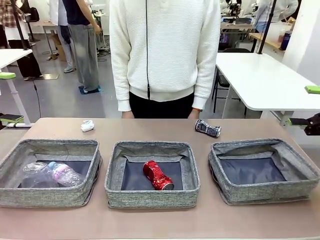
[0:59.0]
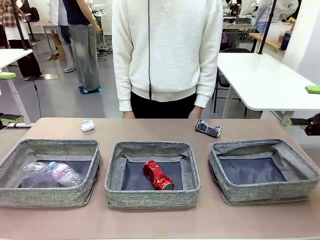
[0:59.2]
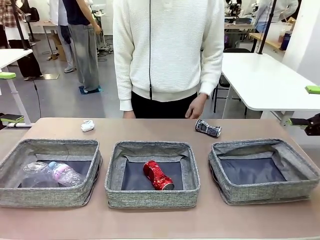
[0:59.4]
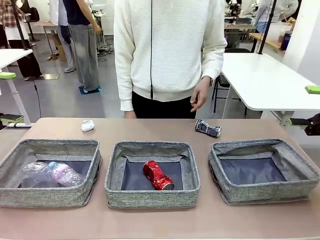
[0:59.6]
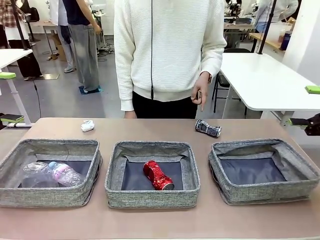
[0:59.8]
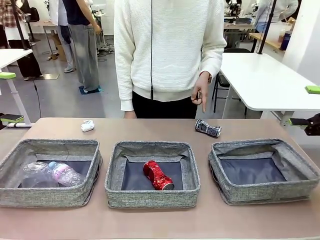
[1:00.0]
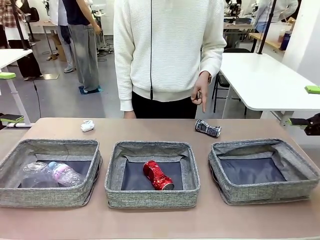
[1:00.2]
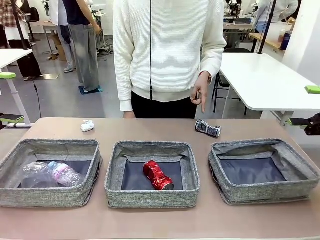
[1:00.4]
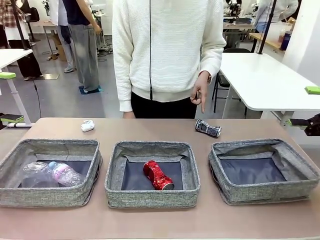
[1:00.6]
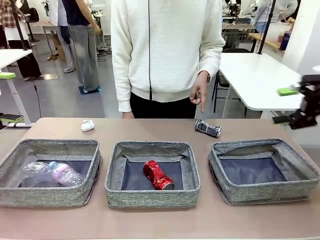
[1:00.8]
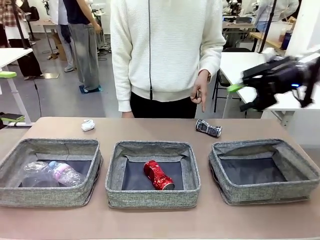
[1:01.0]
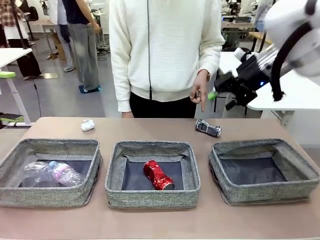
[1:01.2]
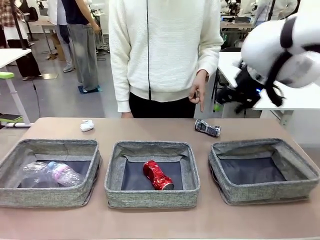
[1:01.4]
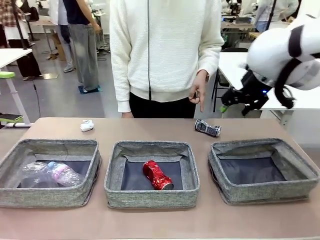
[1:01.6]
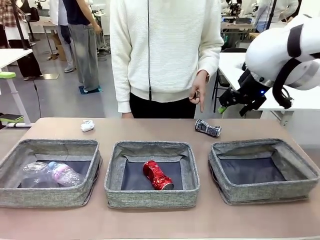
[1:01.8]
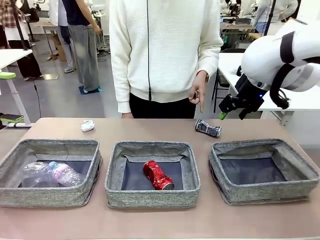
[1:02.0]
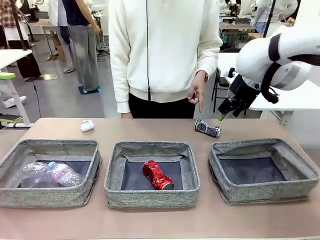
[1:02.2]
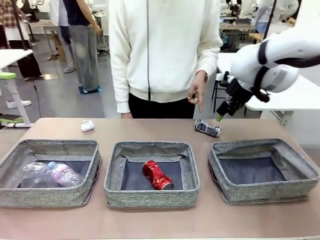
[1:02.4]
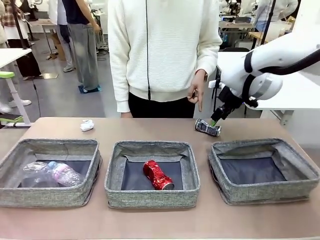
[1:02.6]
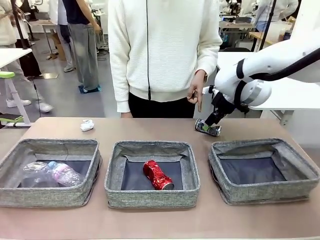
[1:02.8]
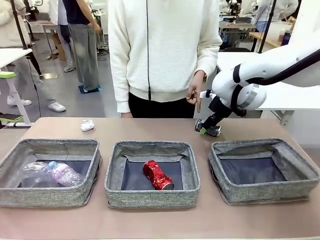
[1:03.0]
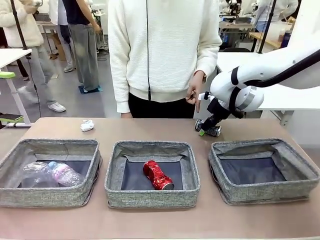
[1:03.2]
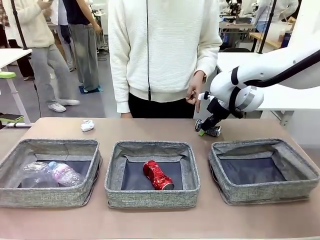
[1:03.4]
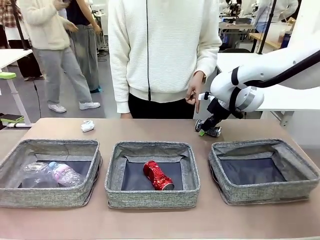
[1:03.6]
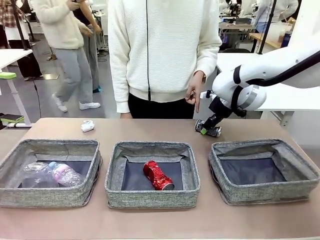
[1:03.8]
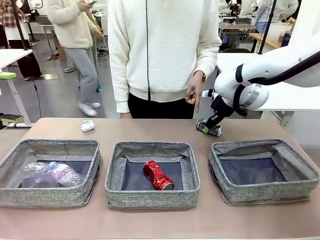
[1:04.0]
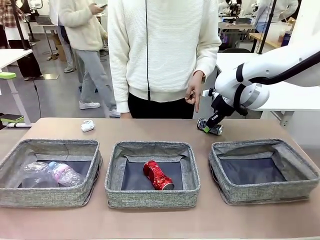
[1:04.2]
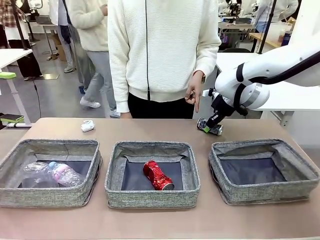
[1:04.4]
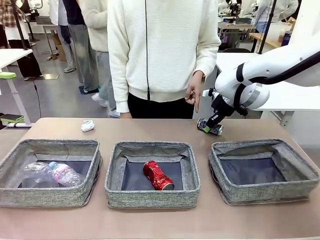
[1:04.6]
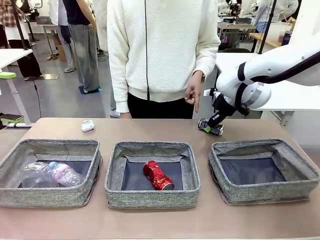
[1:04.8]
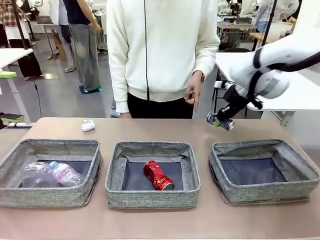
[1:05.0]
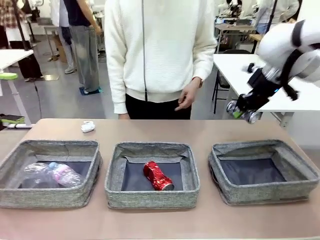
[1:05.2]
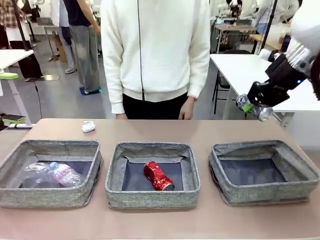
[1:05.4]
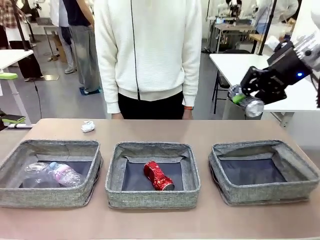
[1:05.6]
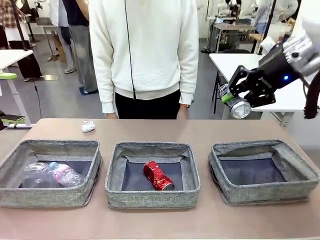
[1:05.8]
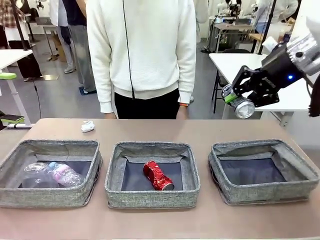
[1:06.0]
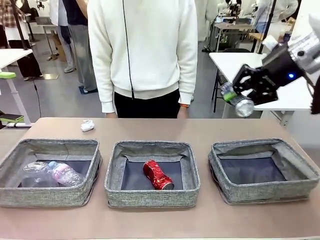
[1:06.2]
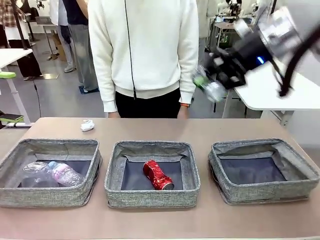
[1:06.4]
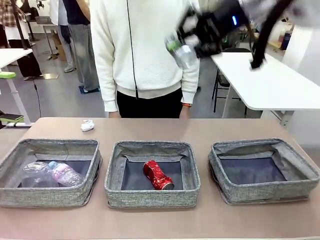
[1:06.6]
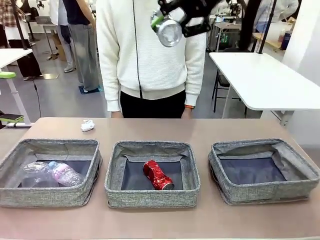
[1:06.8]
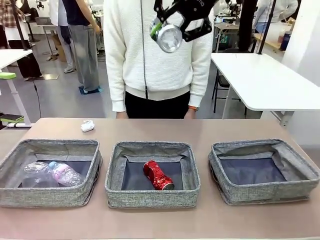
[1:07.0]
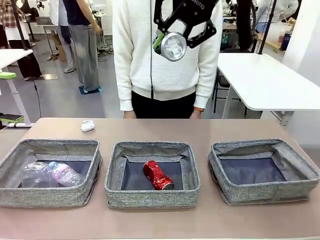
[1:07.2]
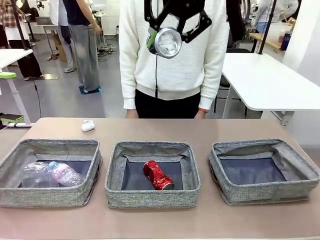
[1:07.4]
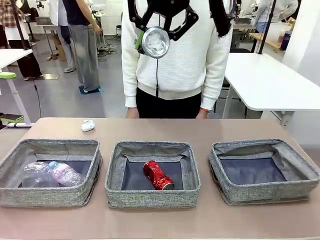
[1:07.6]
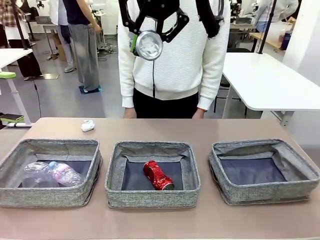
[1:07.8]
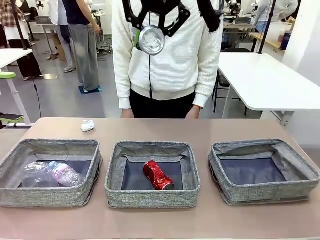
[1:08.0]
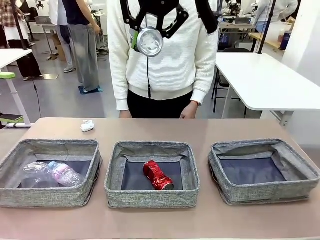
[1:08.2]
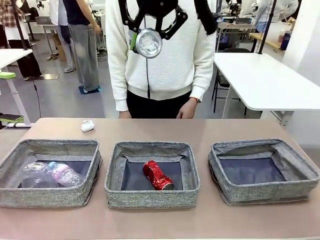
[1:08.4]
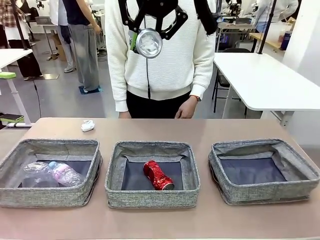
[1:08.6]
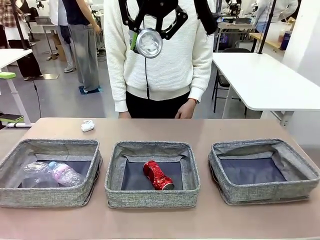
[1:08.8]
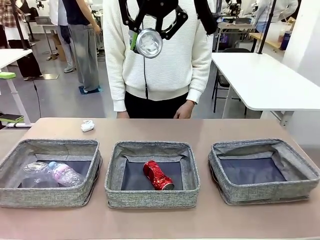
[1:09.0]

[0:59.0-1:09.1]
Task: Sort the waste into the appropriate baskets.
Robot: Pick up the waste item pointed out by the person.
Person: Points to one piece of trash on the table.

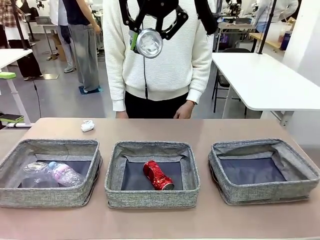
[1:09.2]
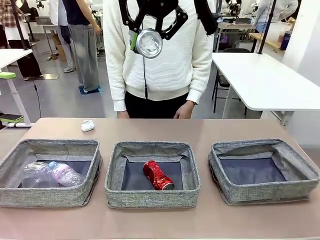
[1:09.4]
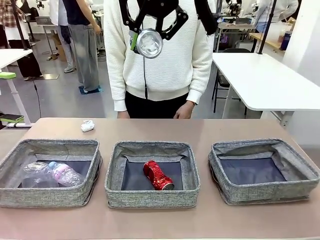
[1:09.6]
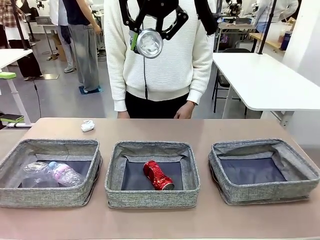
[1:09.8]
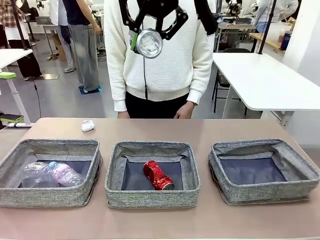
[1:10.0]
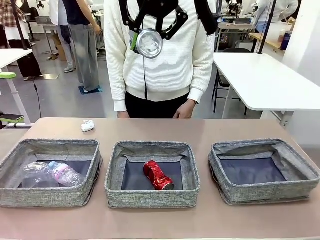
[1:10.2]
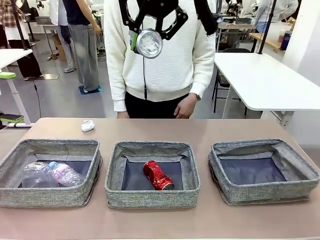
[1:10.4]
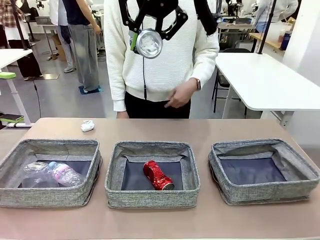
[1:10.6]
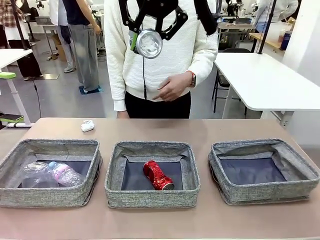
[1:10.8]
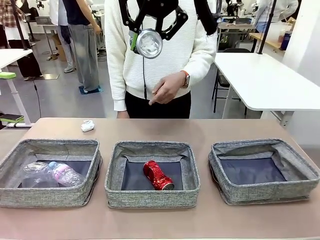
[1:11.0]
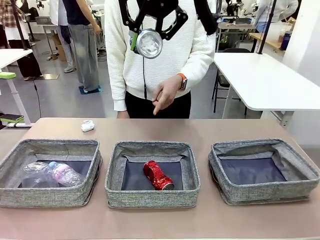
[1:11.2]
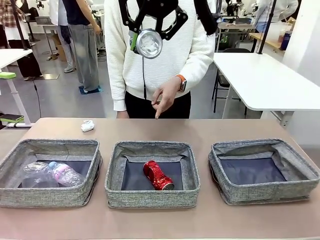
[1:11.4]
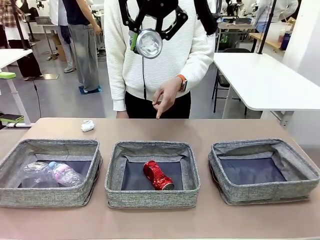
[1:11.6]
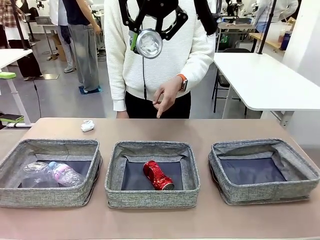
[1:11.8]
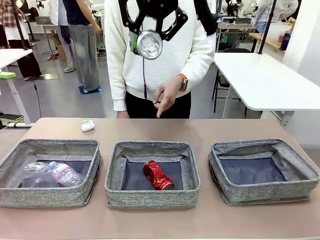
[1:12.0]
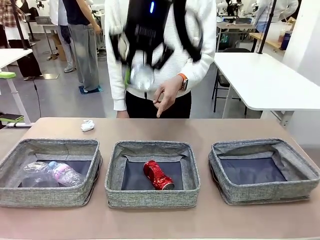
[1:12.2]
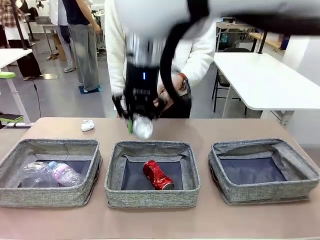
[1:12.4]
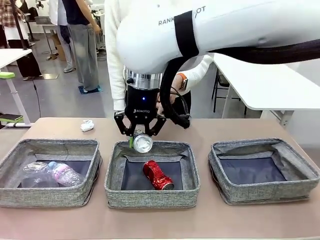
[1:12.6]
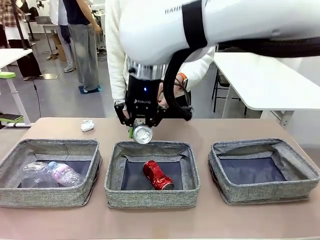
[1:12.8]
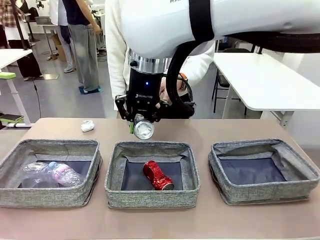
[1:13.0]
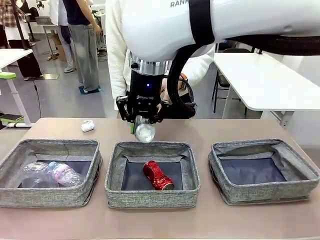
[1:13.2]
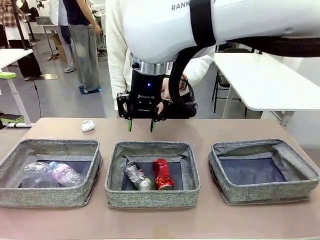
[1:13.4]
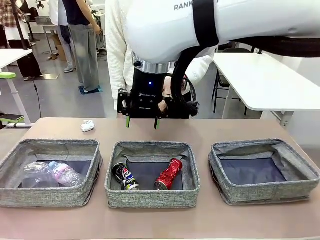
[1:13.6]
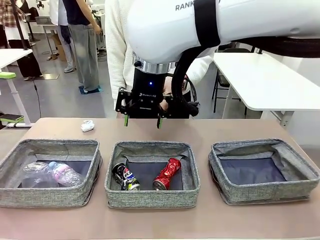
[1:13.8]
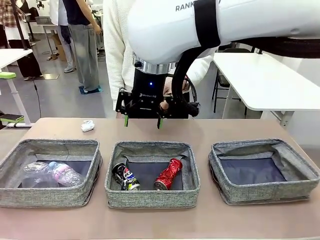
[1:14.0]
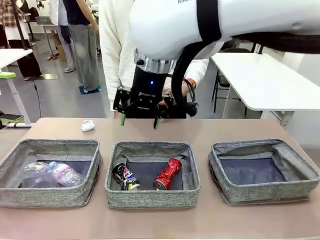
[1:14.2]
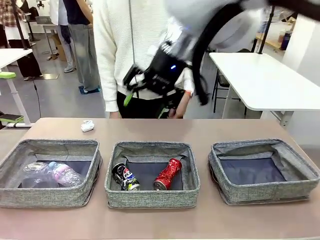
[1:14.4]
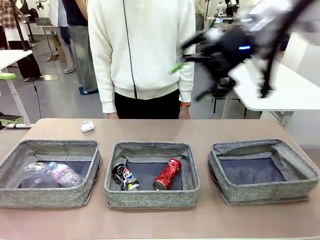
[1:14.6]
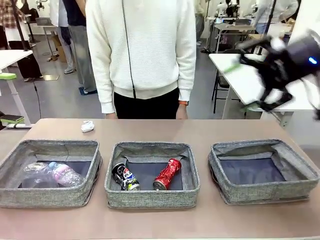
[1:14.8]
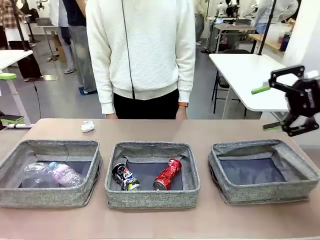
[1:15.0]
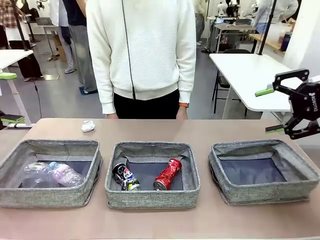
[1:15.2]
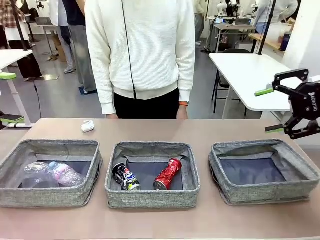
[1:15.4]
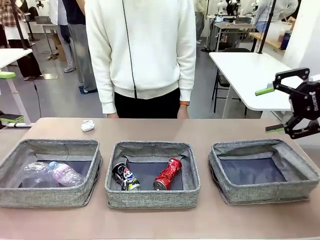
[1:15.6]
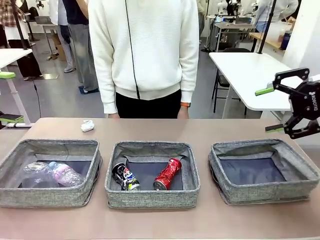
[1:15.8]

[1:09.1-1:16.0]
Robot: Place the picked waste into the Fabric basket indicated by the person.
Person: Instructs the robot to place the picked-up trash into the appropriate organizing basket.
